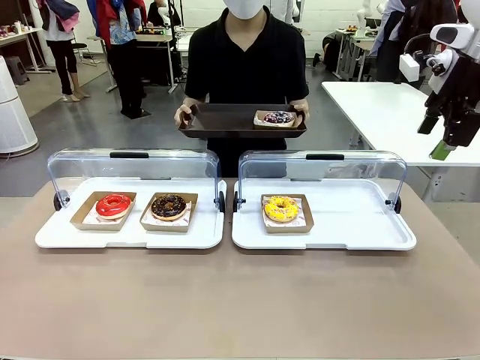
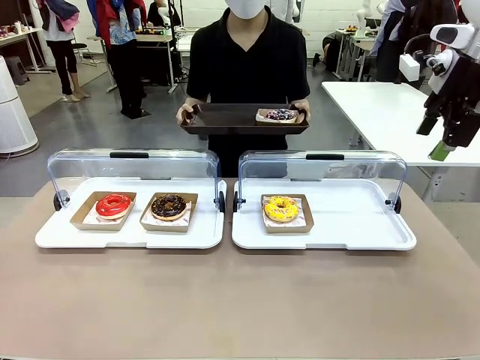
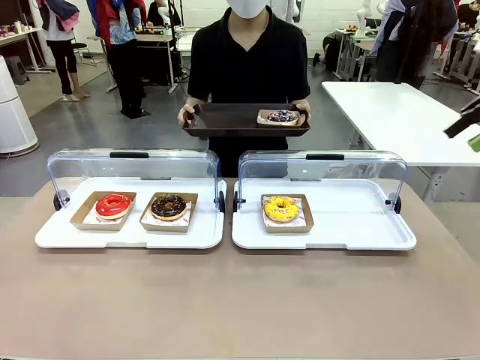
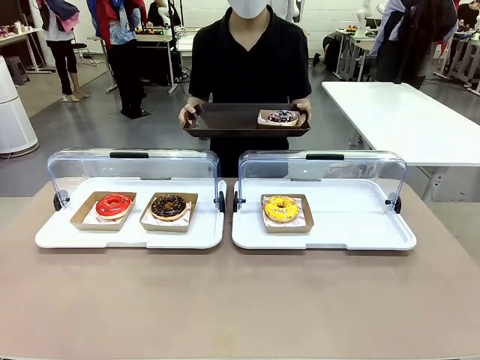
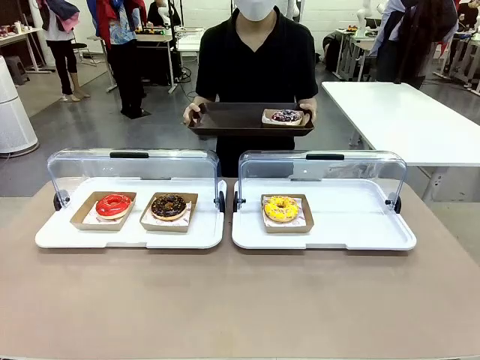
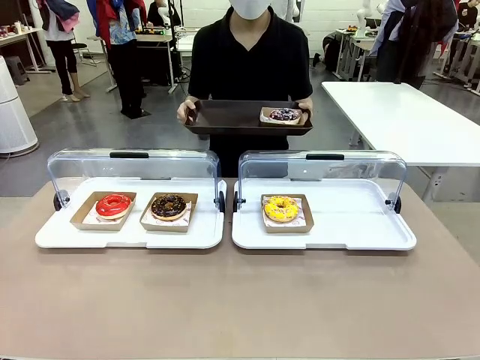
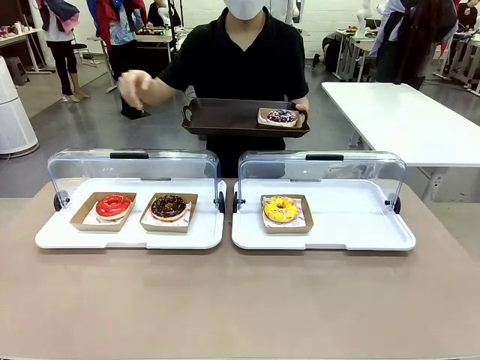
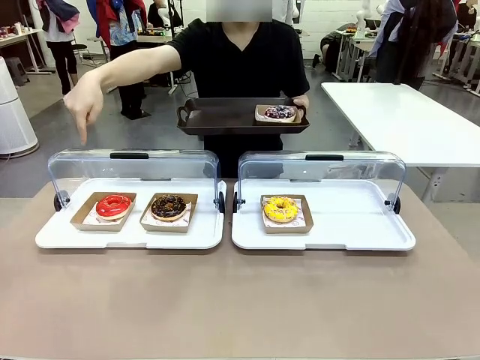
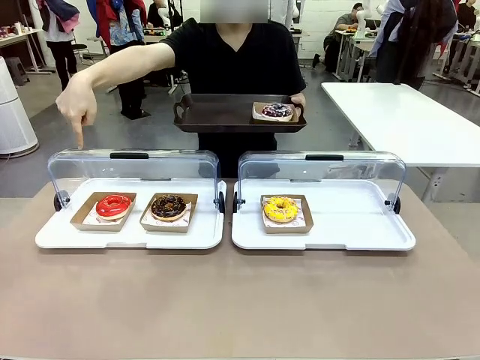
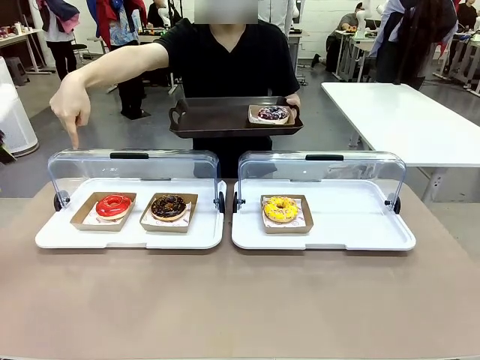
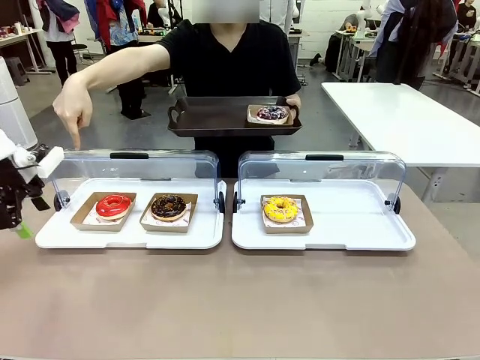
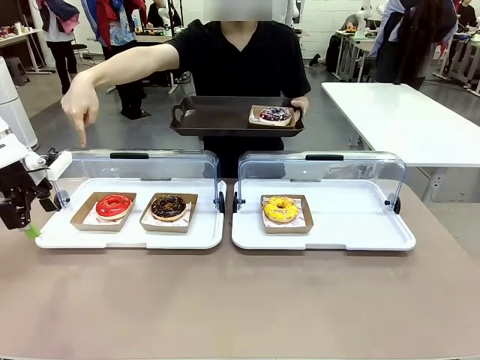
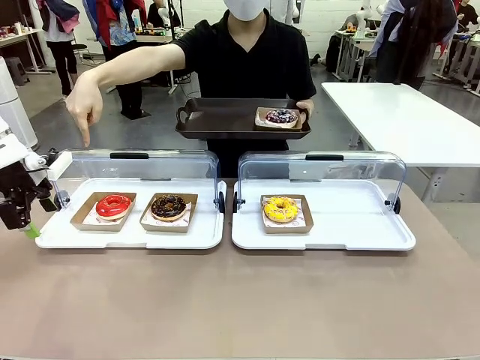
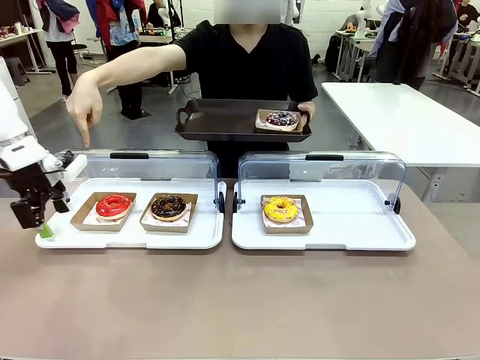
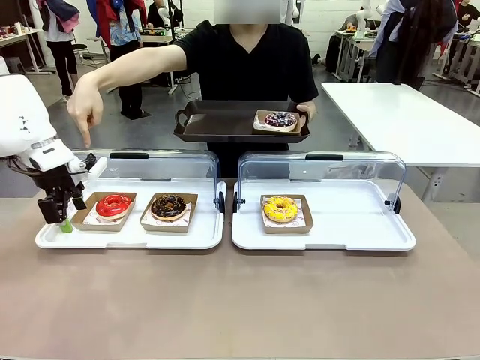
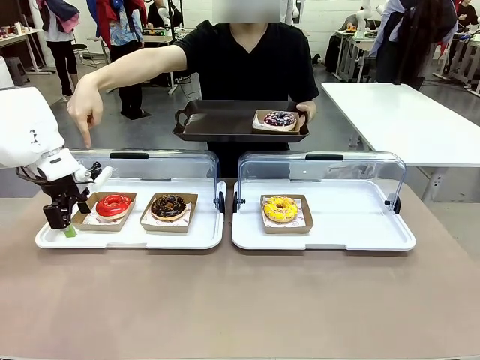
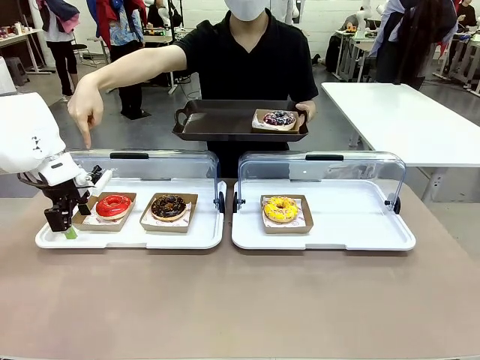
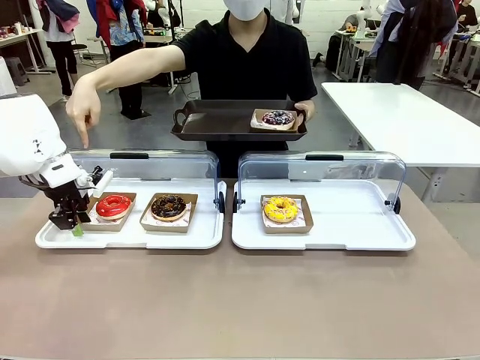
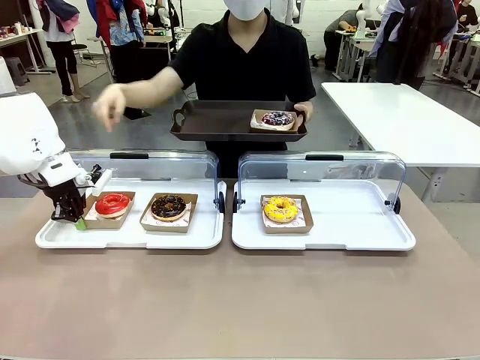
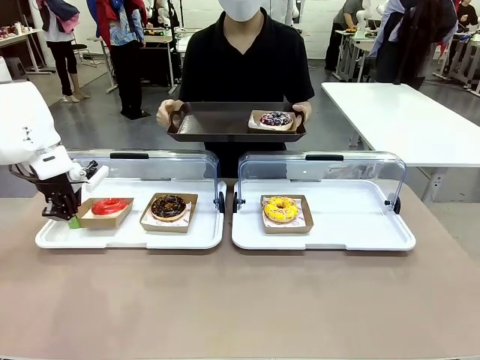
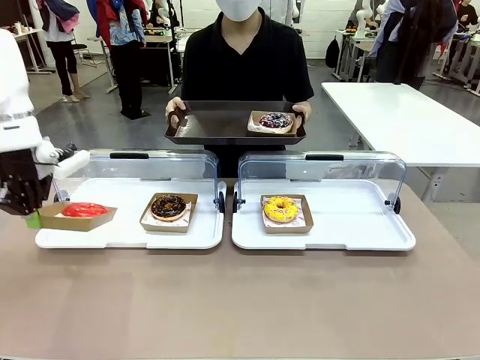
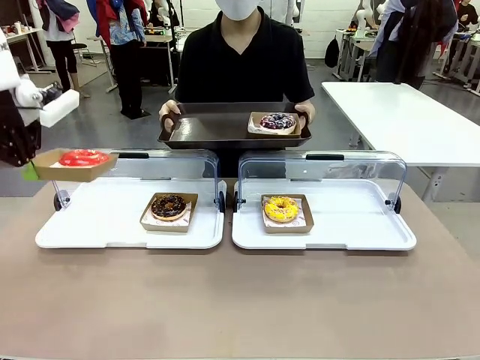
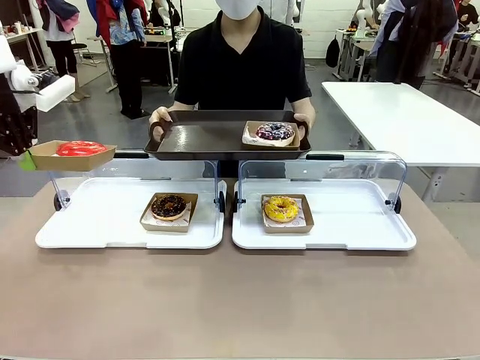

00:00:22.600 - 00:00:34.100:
Task: Provide the desired donut to the person.
Robot: Pick up and lift the Paper togo box containing the Donut pointed at by the person.
Person: Point to one donut. Lift the tray onto the Roll-Top Bakery Case.

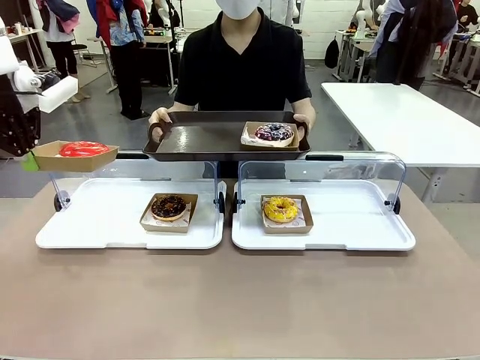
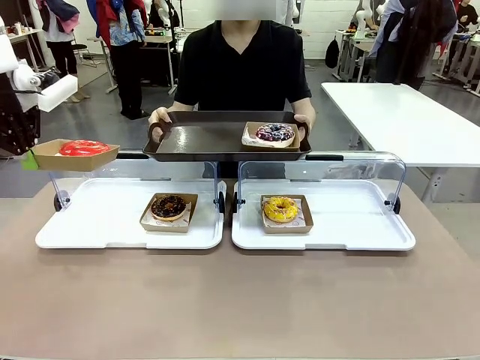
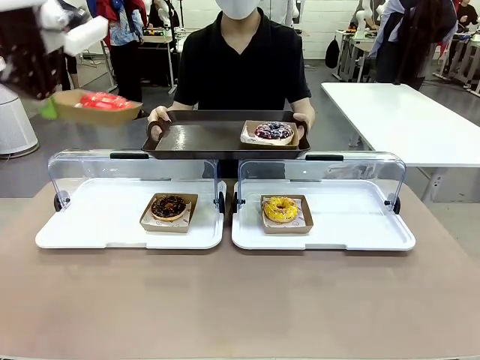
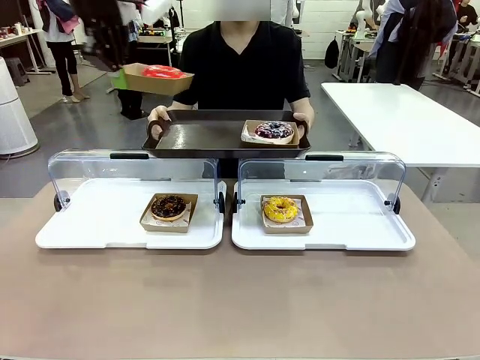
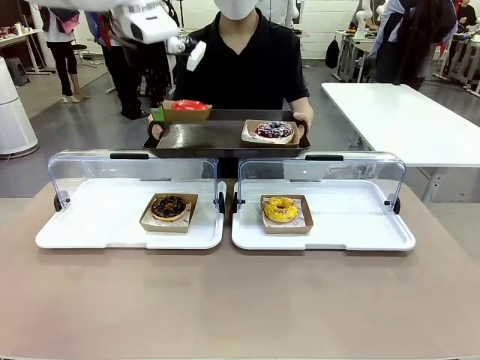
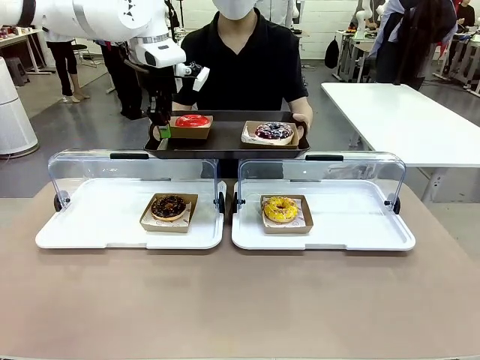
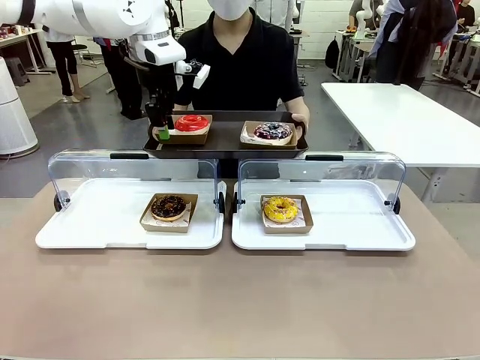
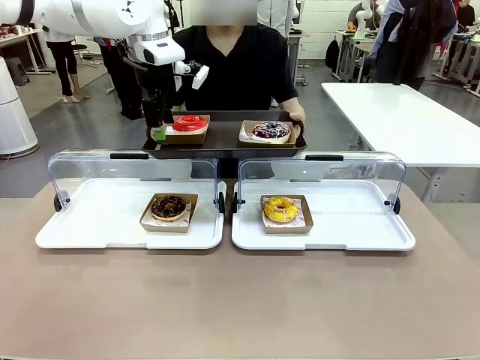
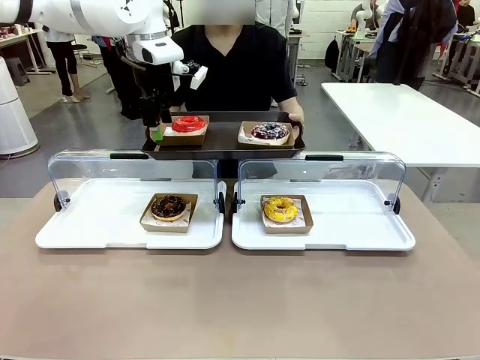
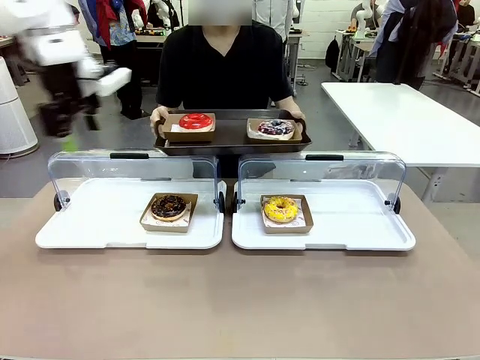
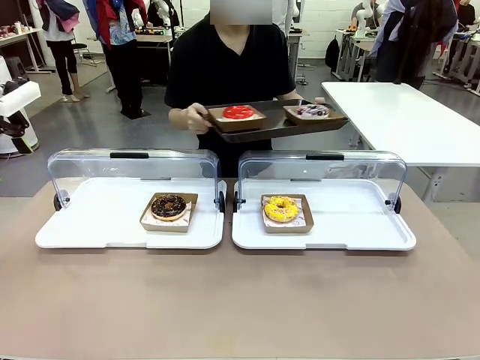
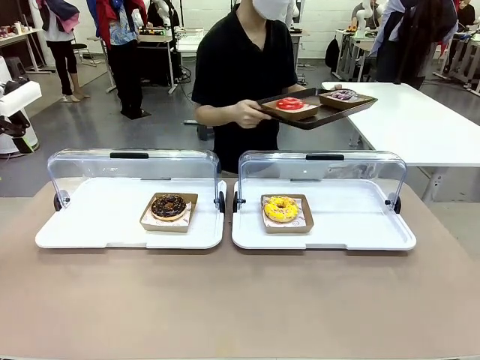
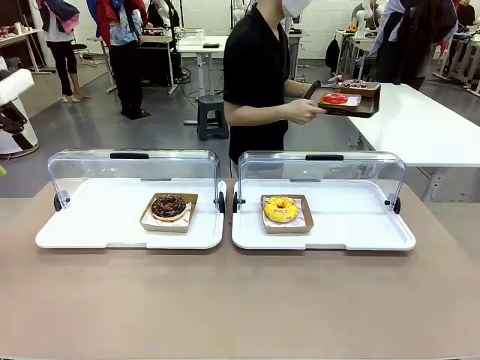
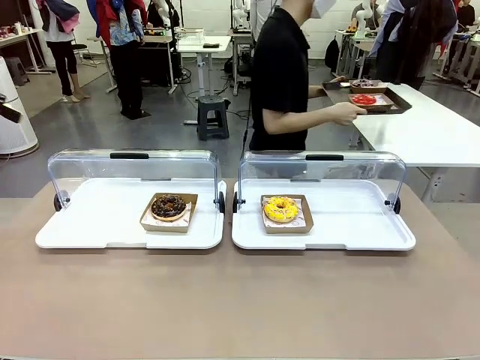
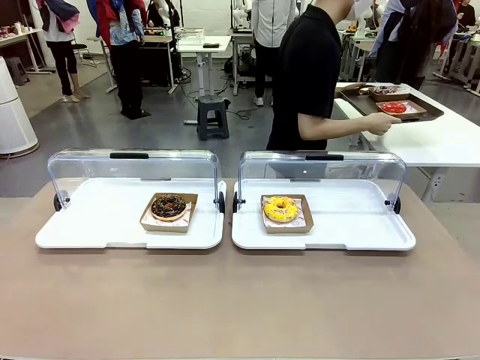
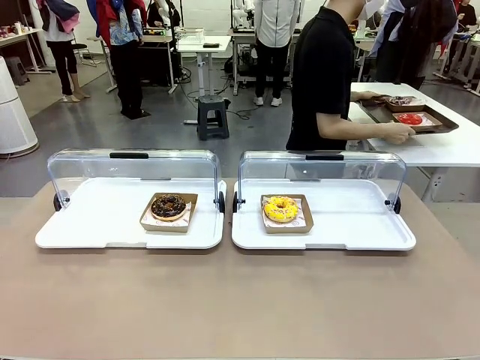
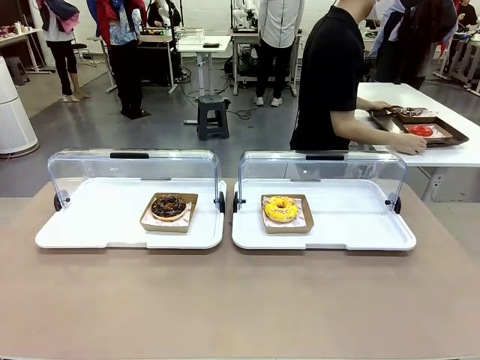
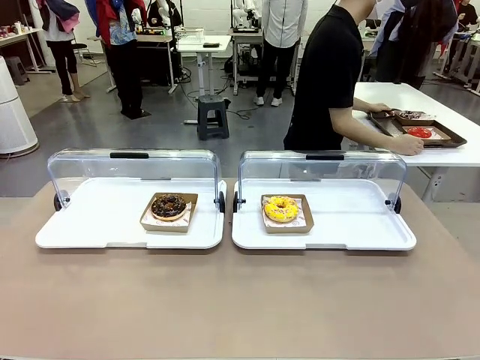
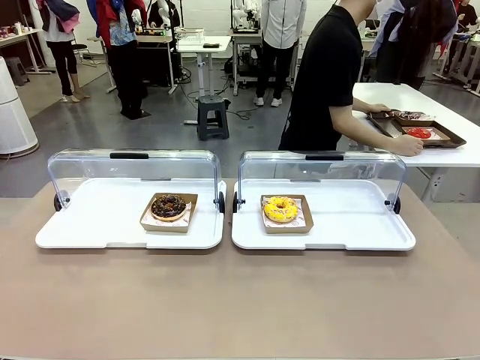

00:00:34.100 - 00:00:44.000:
Robot: Place the picked Paper togo box onto the Handle tray extended by the person.
Person: Place the tray in the middle of the human table.

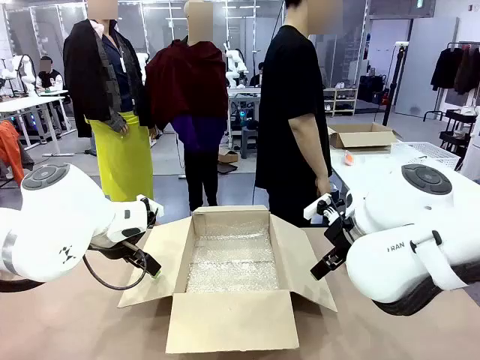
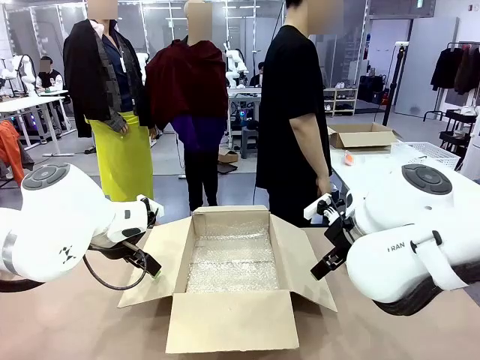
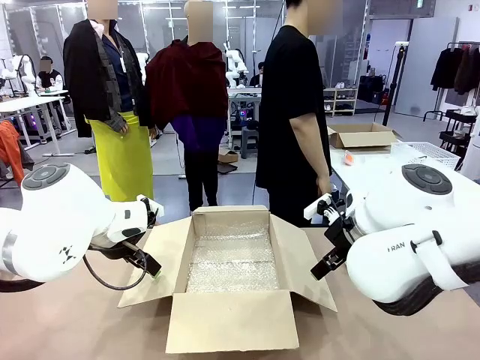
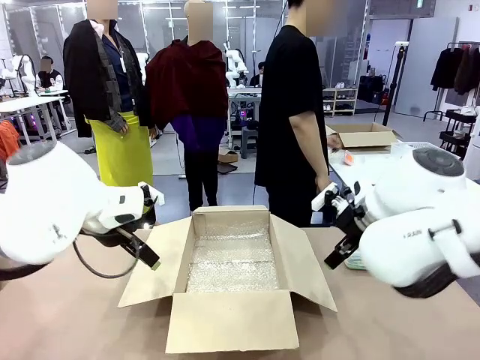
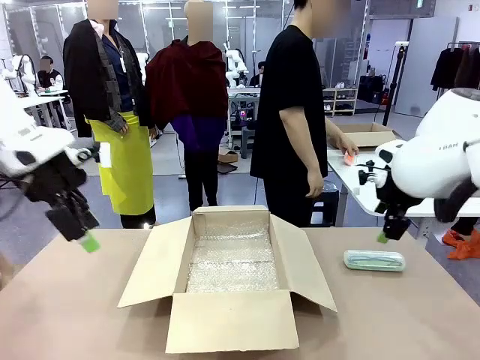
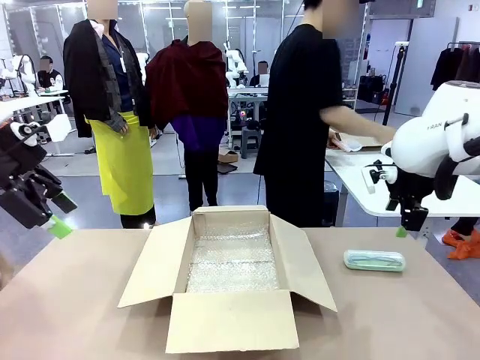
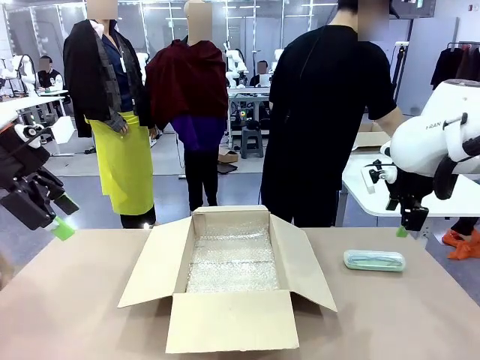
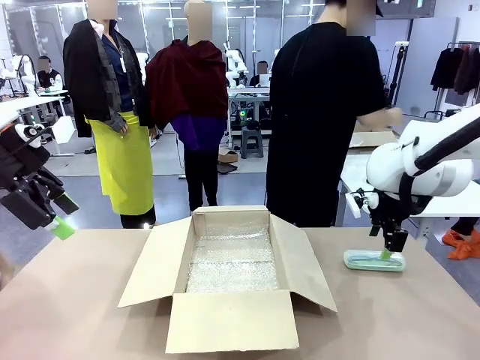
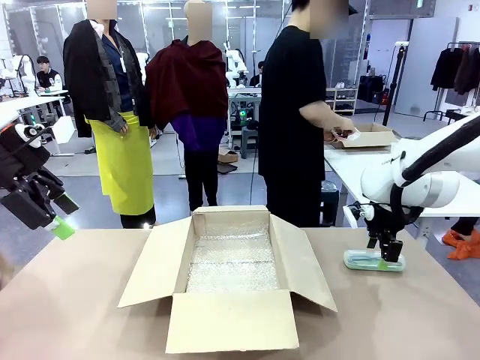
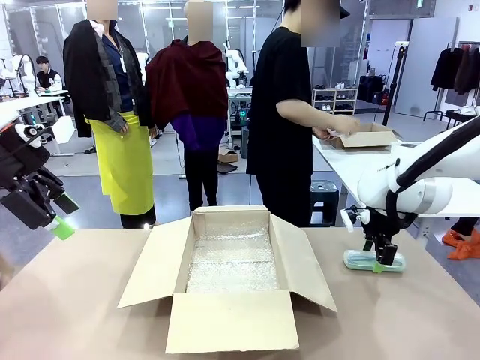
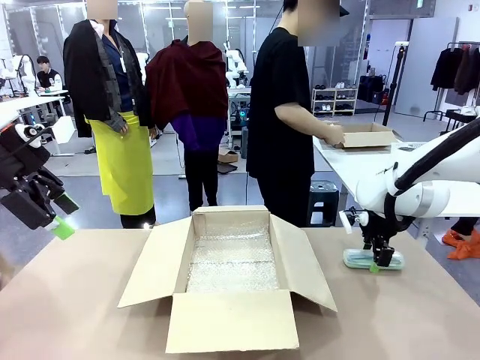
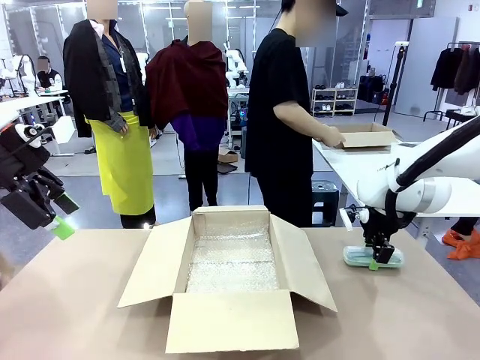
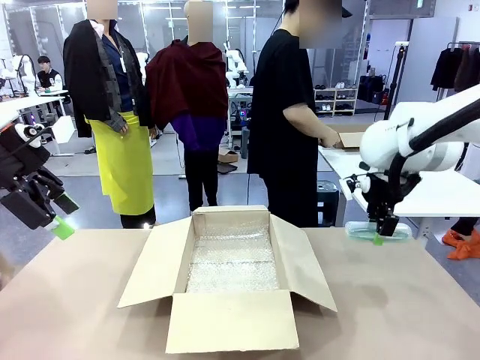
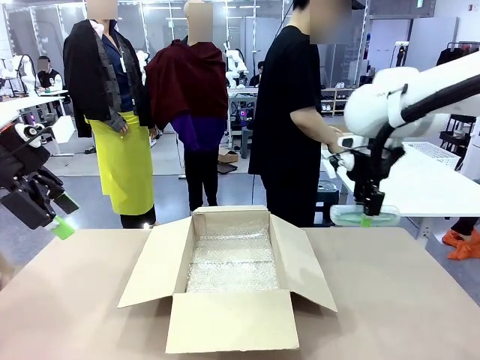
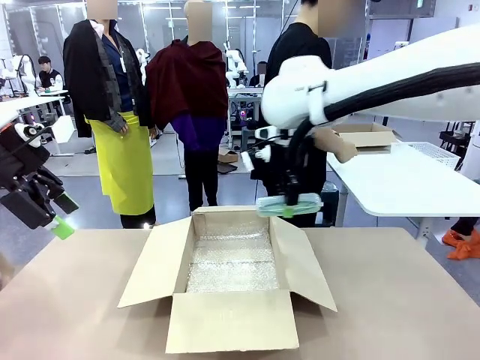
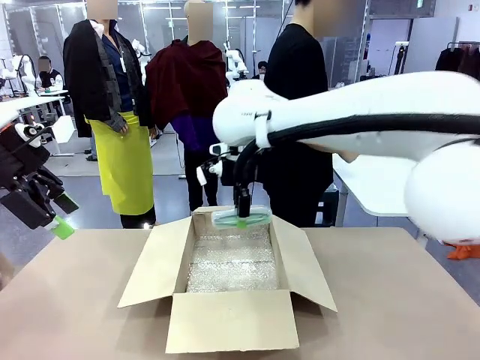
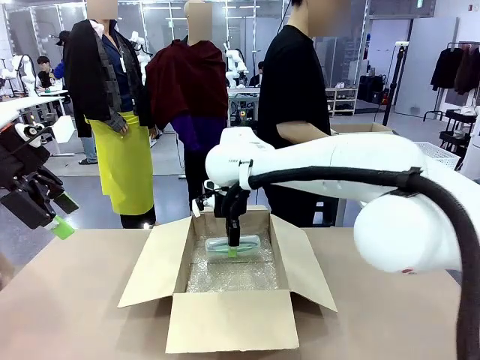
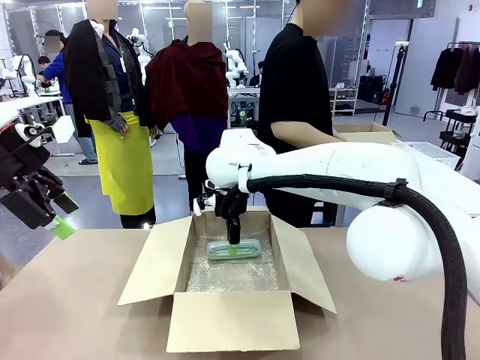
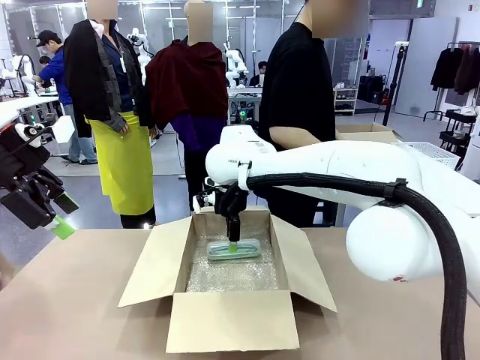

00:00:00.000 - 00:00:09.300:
Task: Pack the glasses set securely to prepare it for shipping.
Robot: Place the Glasses case inside the Package Box.
Person: Place the Glasses inside the Glasses case. Position the Glasses case on the left side of the robot's table.
